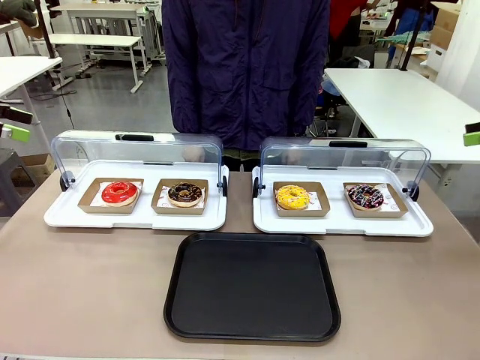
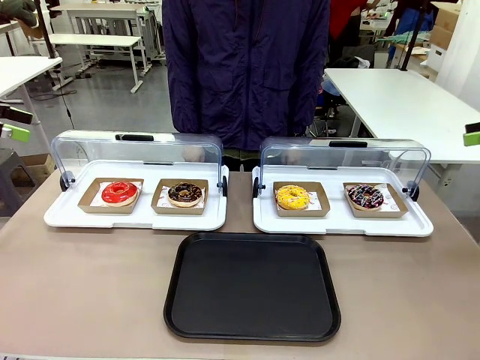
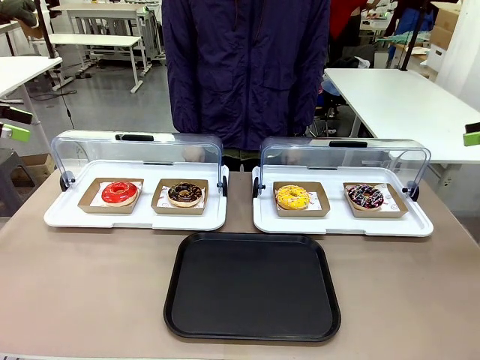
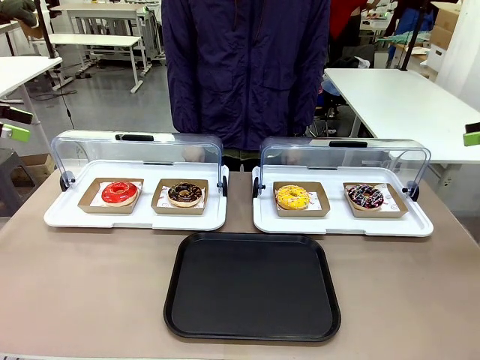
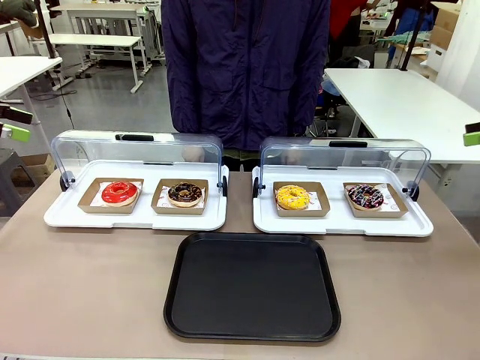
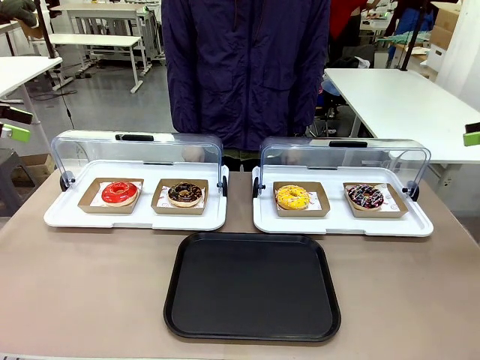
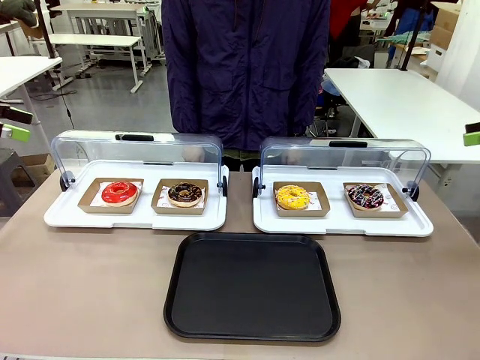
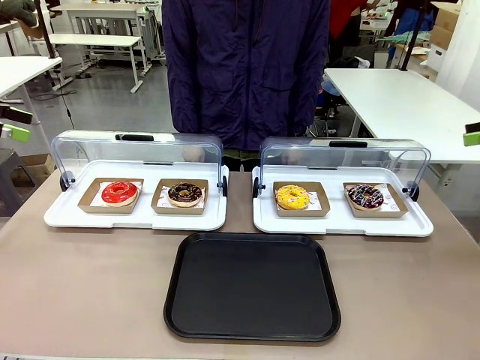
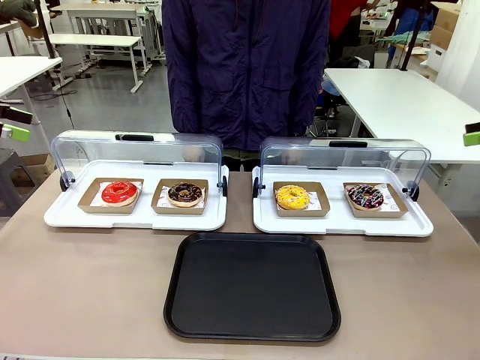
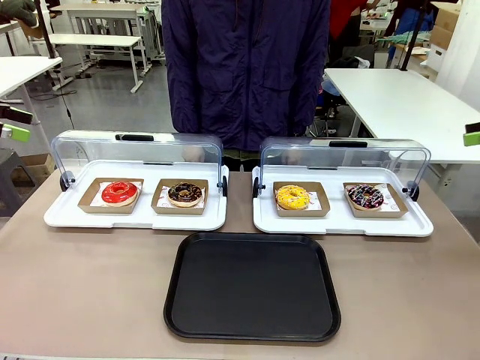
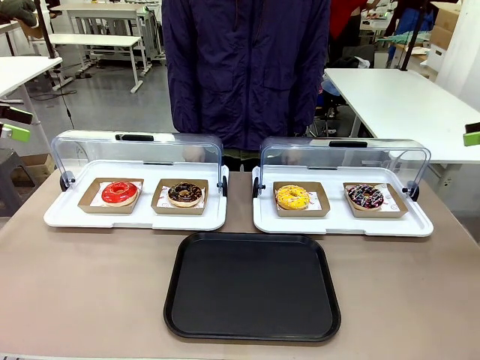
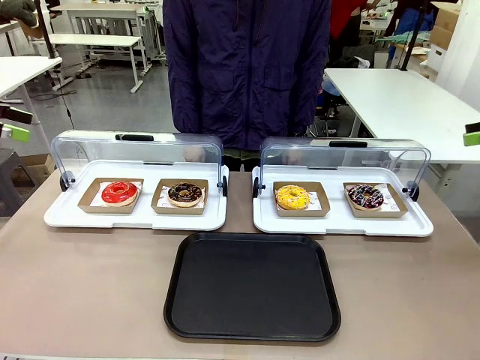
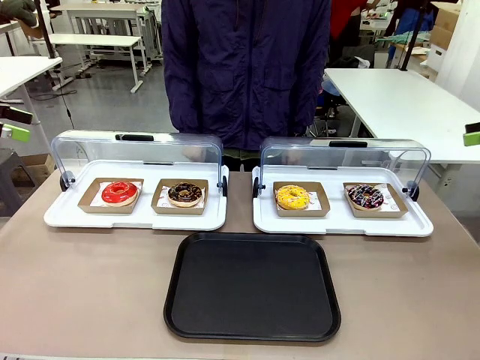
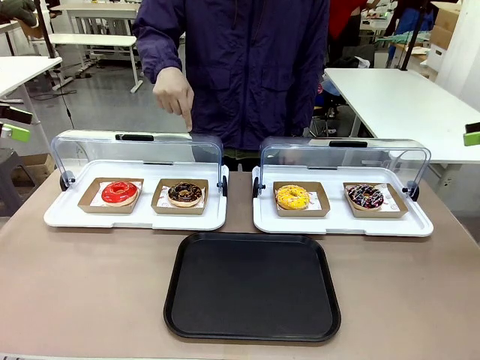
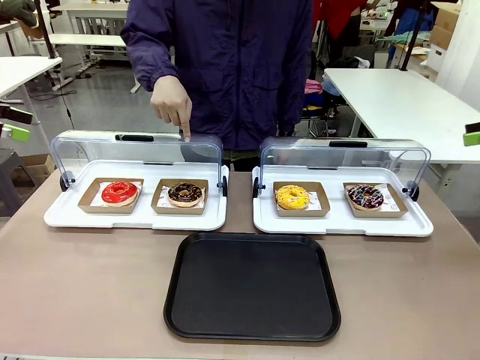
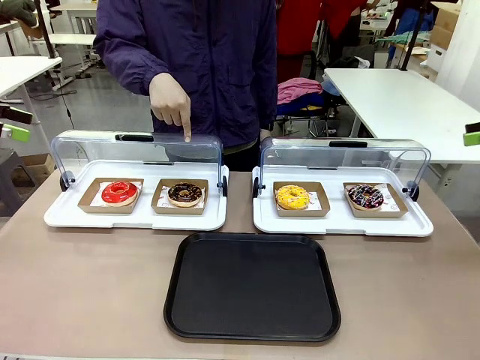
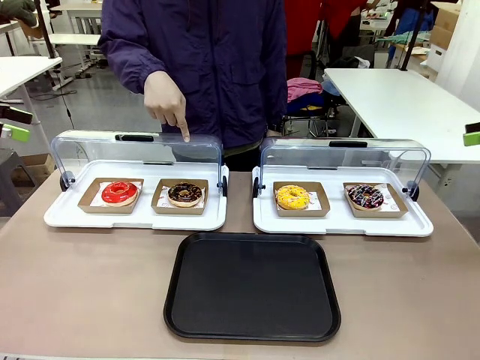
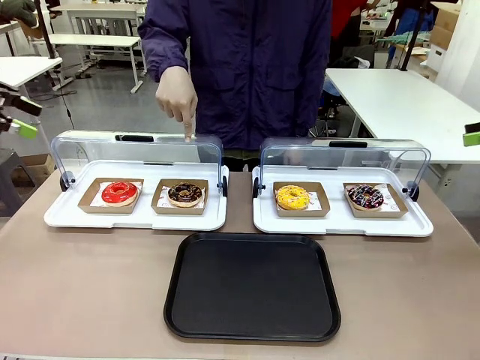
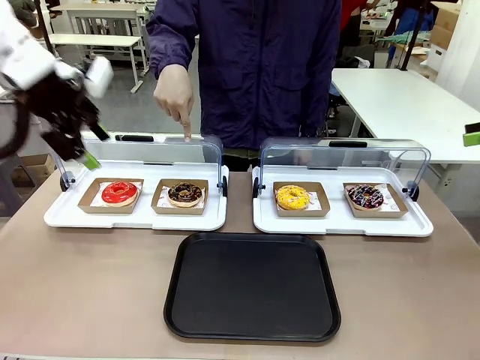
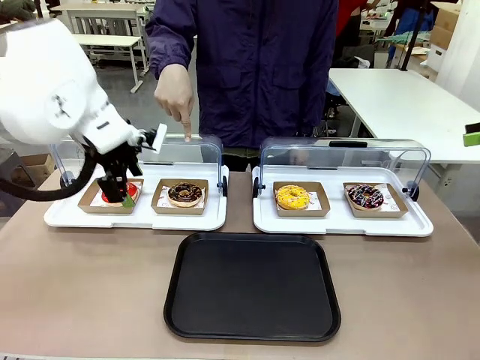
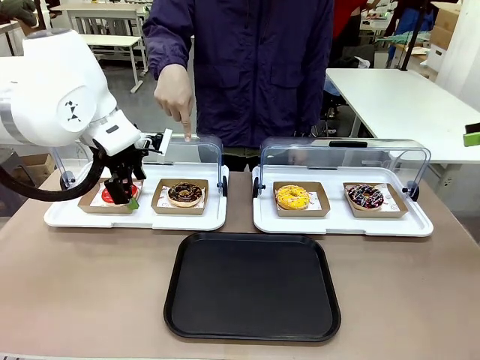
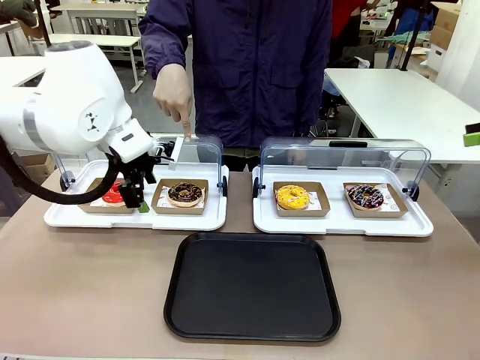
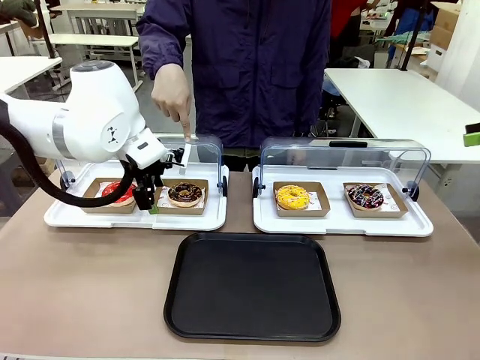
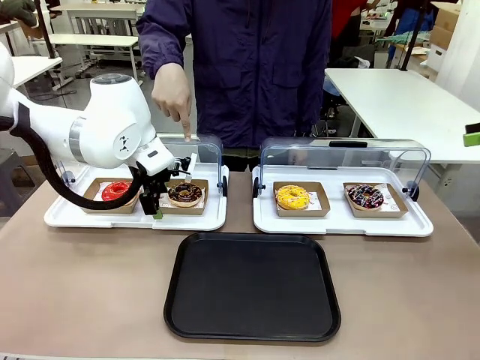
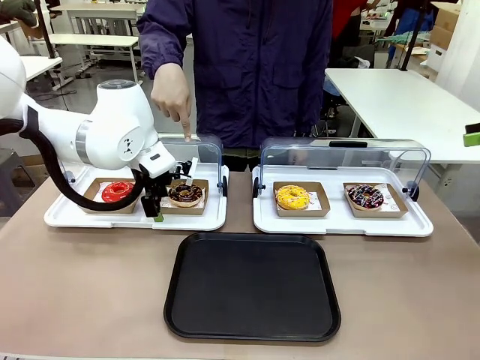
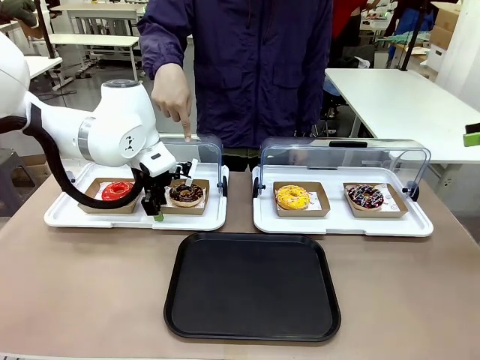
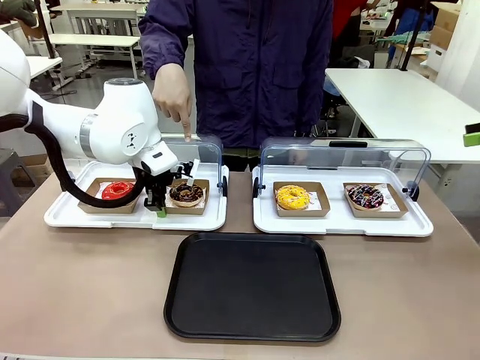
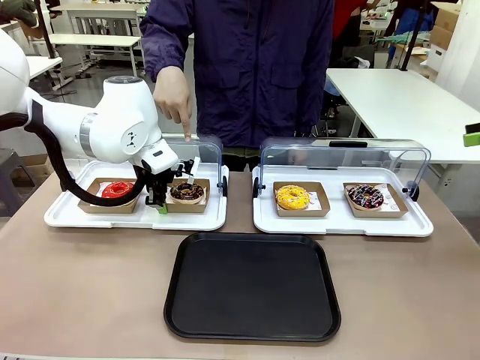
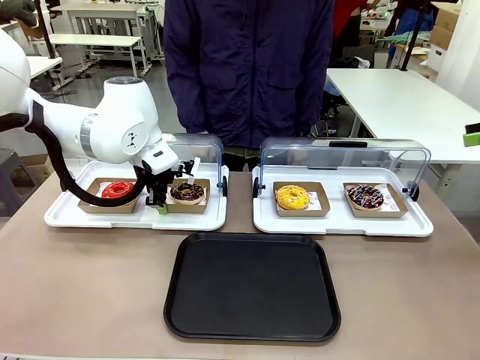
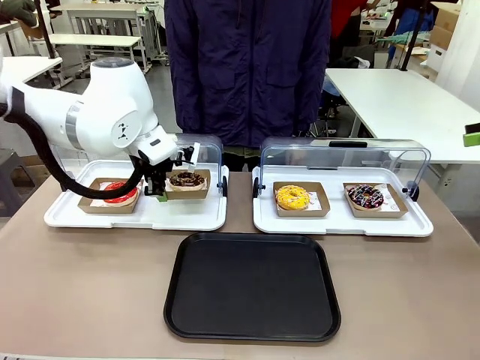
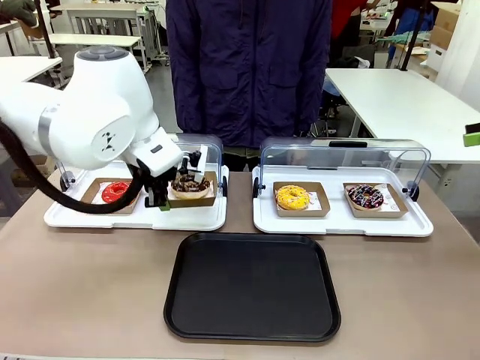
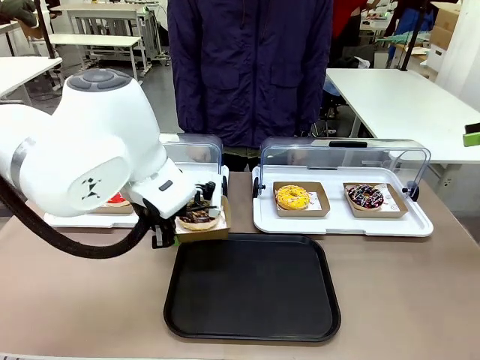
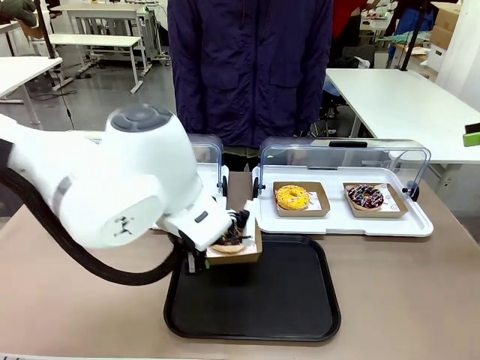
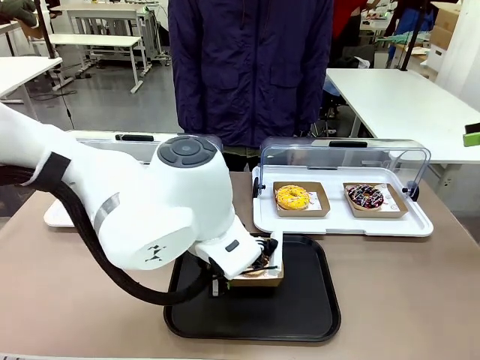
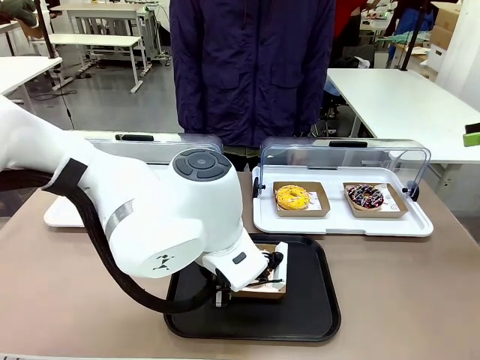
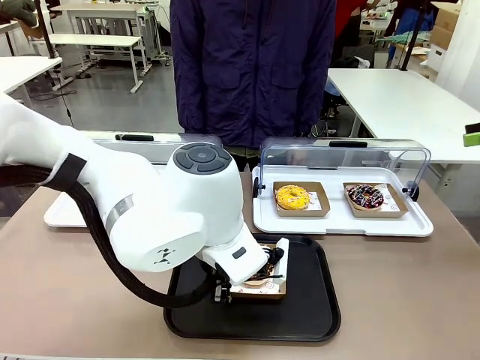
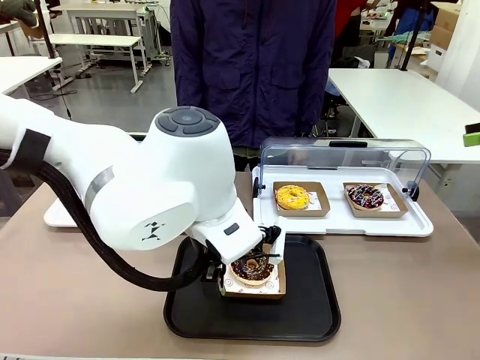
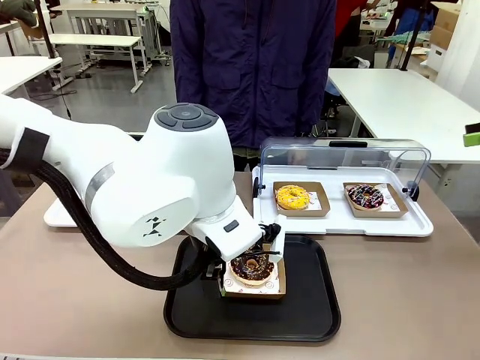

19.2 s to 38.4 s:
Task: Move the second donut from the left to the tray.
Robot: Pick up the Paper togo box containing the Donut indicated by the person and place it on the Handle tray.

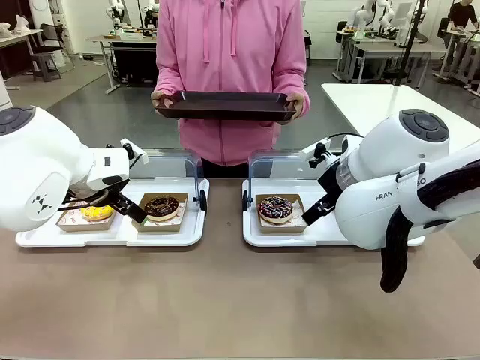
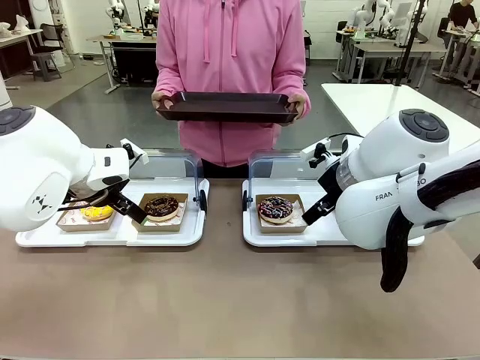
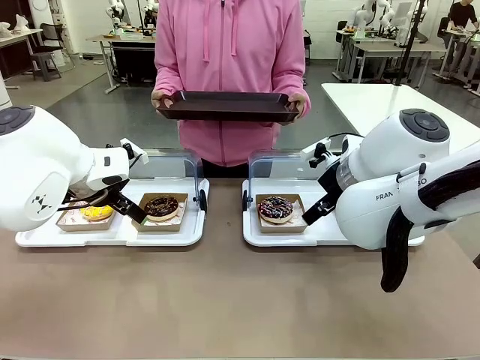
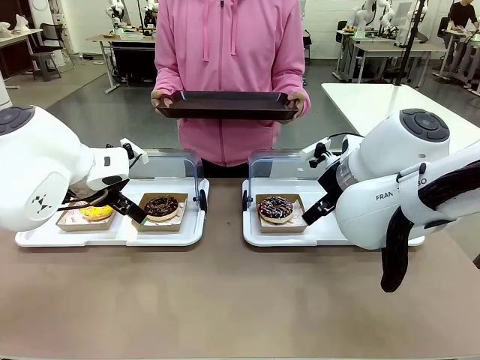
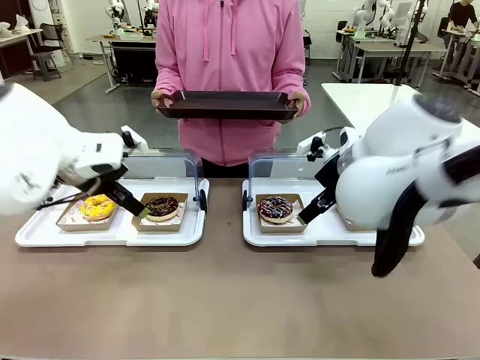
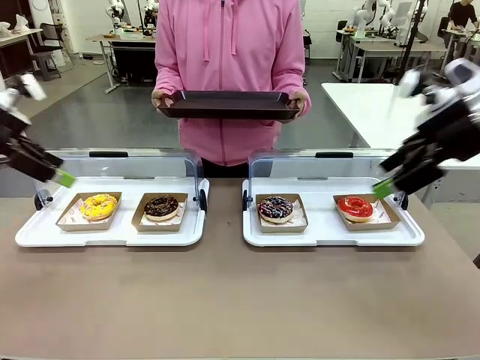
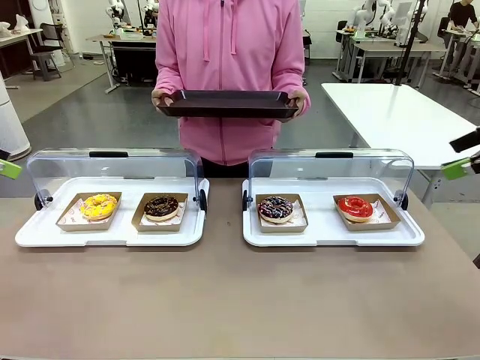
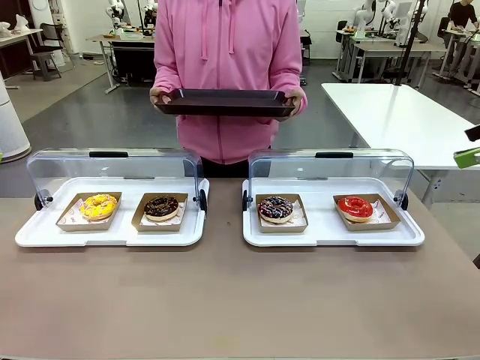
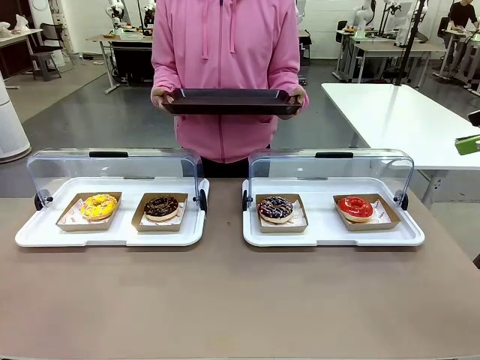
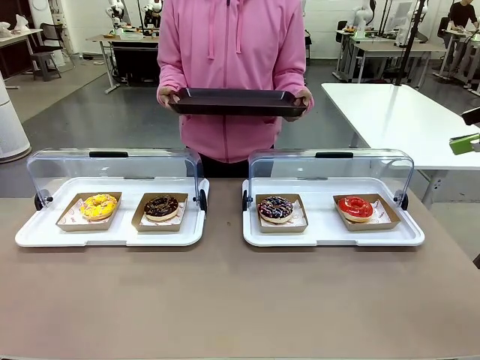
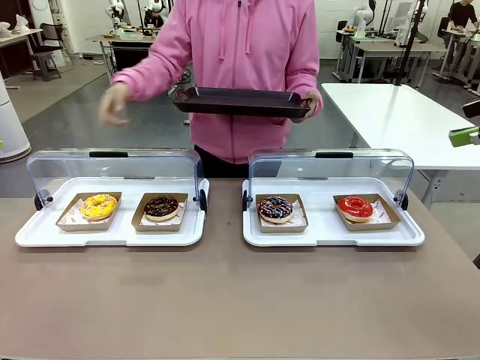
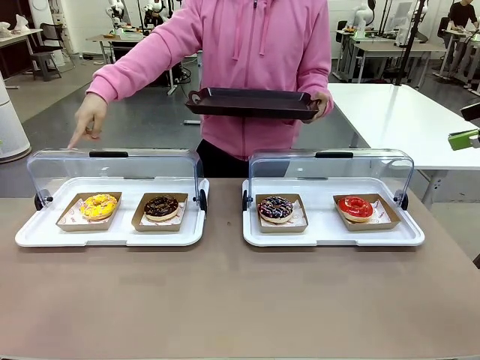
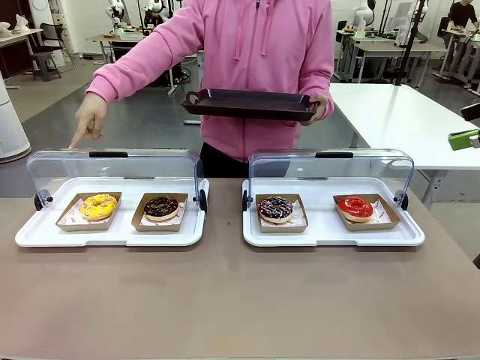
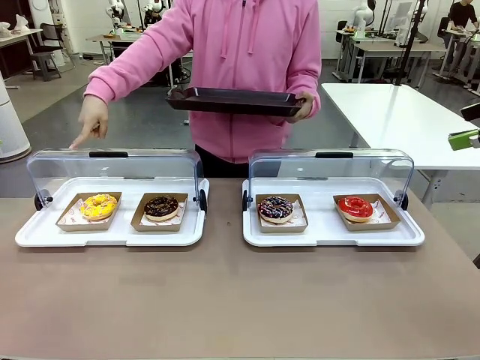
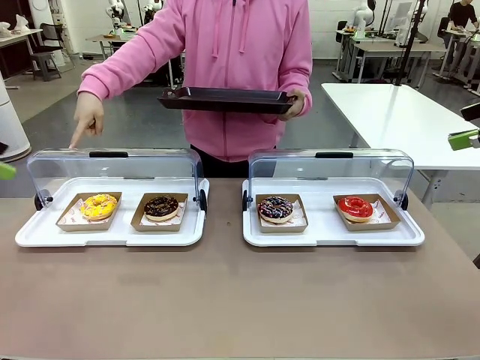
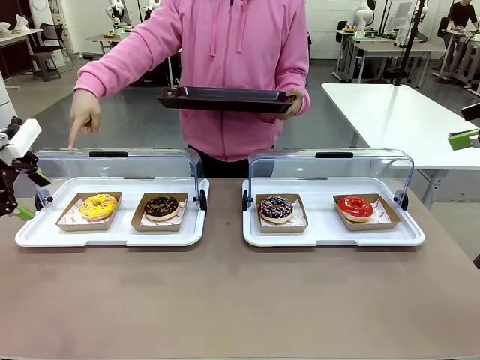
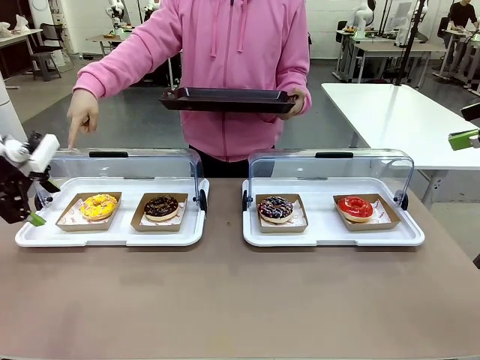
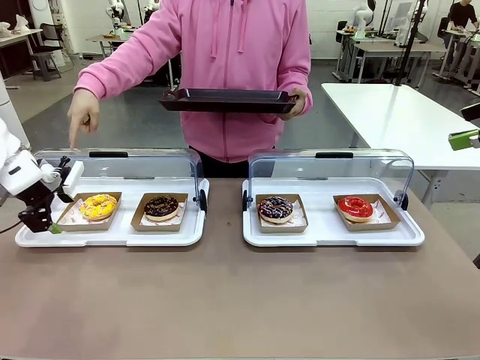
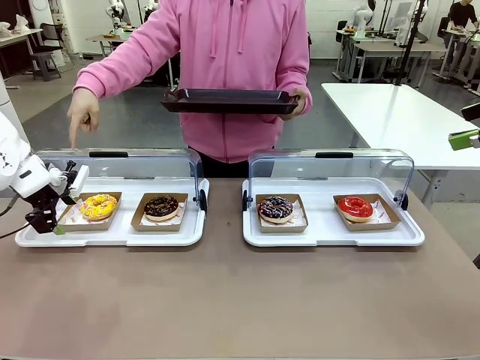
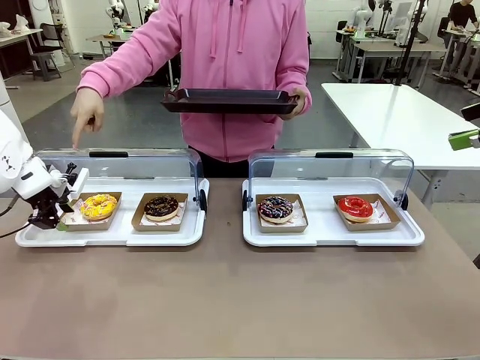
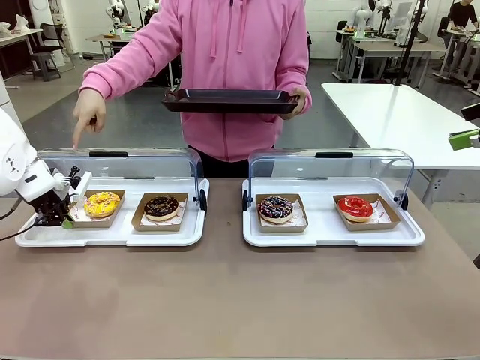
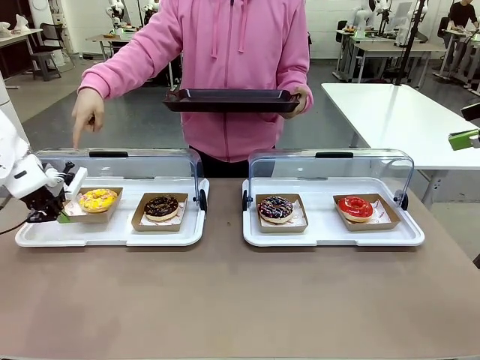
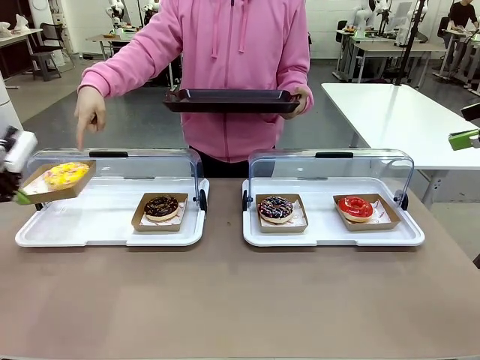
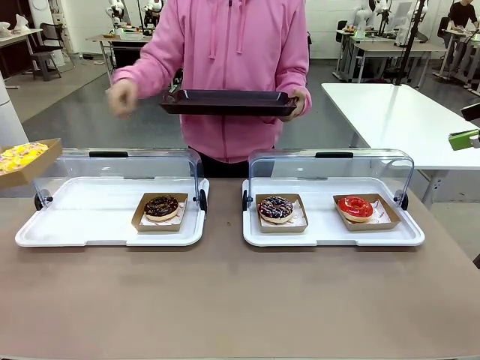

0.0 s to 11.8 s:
Task: Provide the desired donut to the person.
Robot: Pick up and lift the Paper togo box containing the Donut pointed at by the person.
Person: Point to one donut. Lift the tray onto the Roll-Top Bakery Case.
